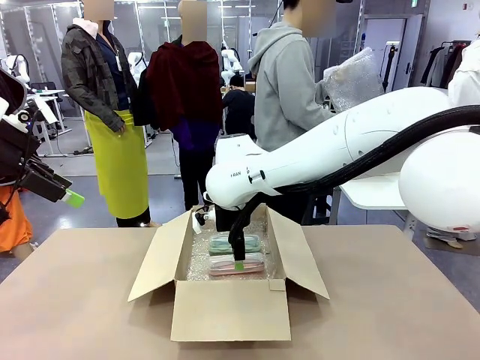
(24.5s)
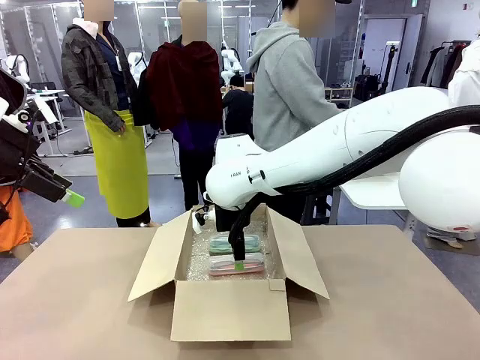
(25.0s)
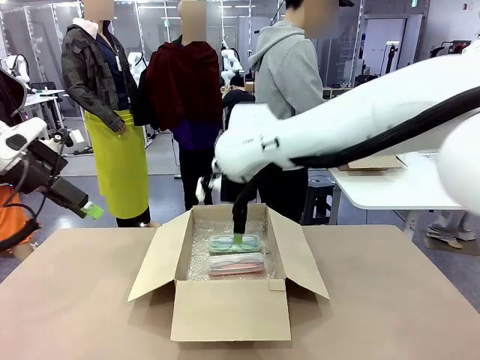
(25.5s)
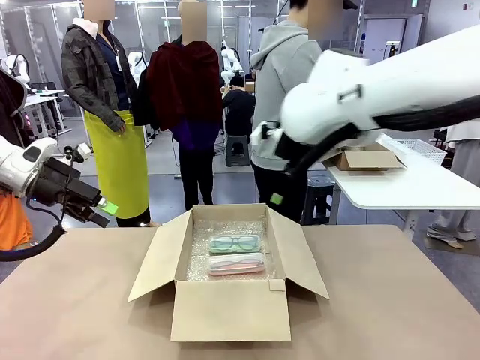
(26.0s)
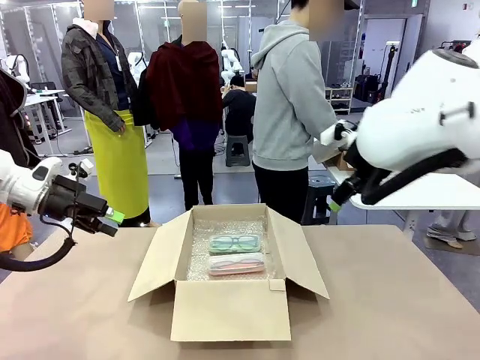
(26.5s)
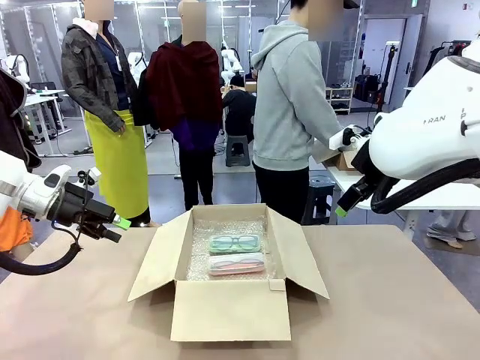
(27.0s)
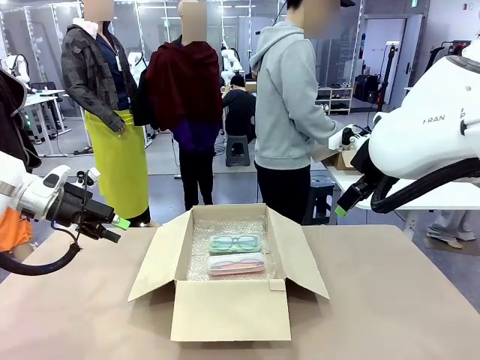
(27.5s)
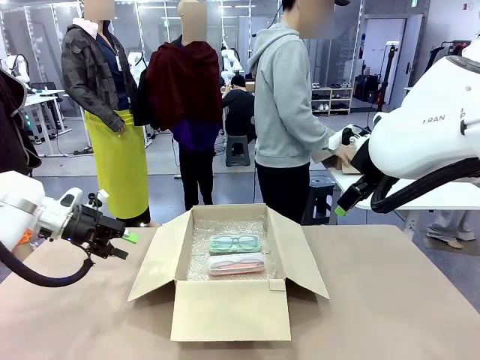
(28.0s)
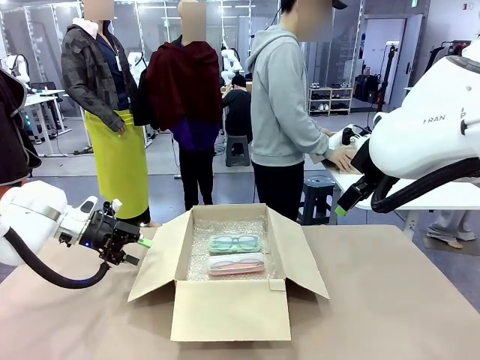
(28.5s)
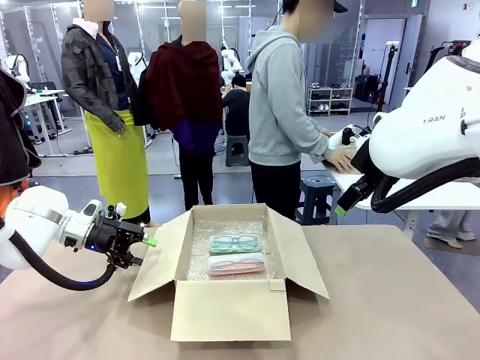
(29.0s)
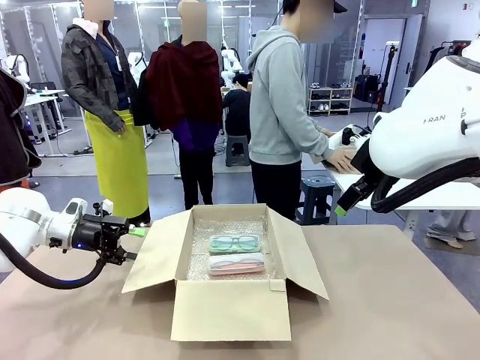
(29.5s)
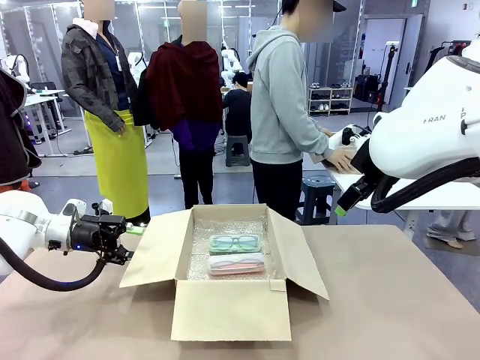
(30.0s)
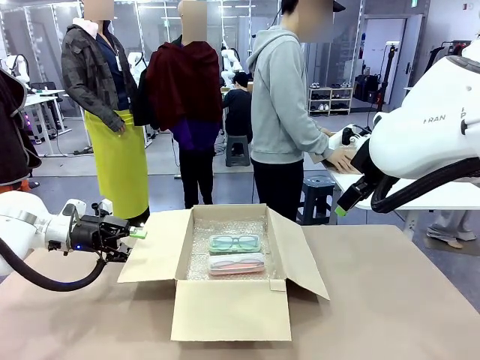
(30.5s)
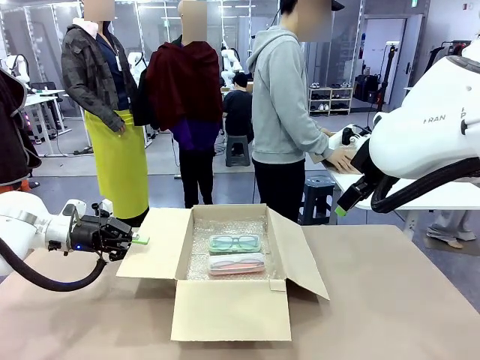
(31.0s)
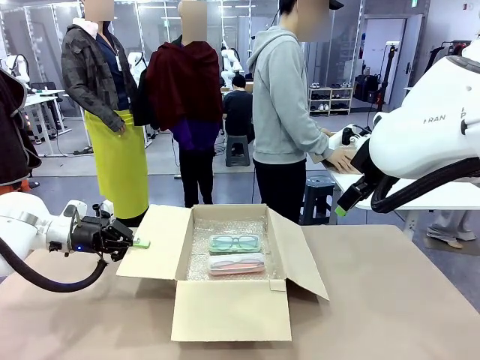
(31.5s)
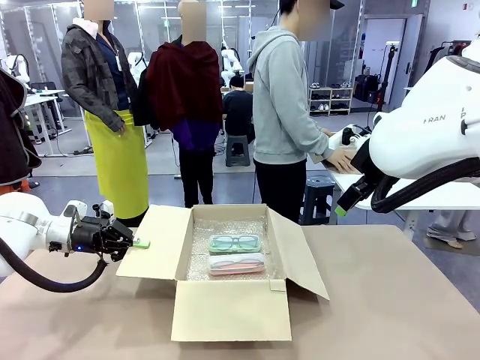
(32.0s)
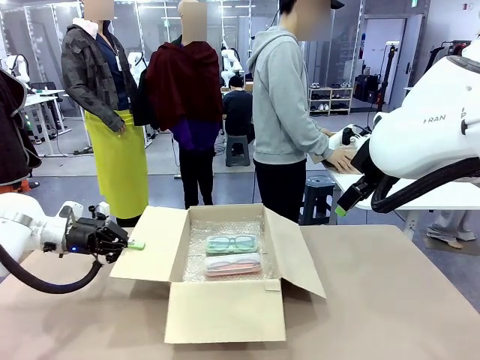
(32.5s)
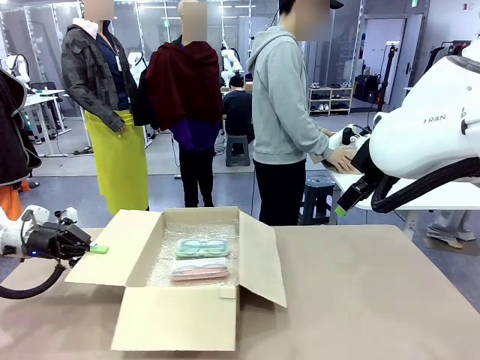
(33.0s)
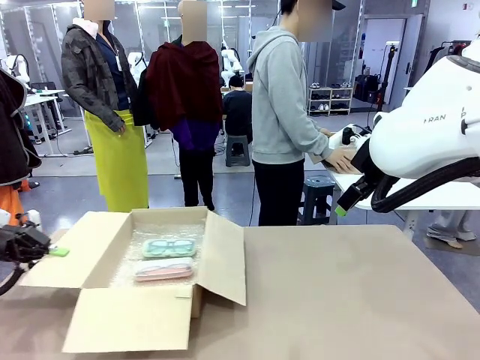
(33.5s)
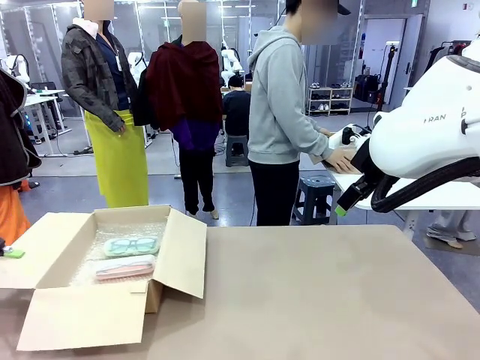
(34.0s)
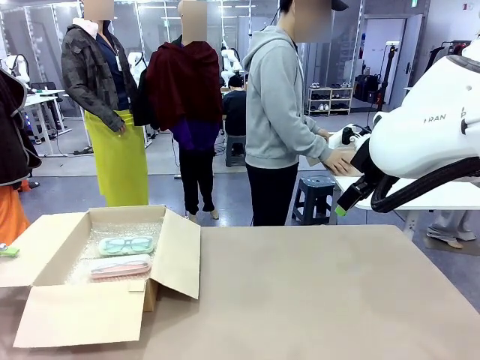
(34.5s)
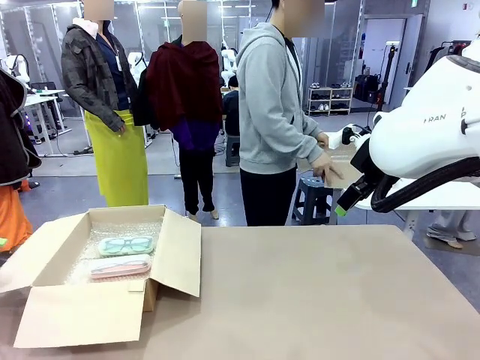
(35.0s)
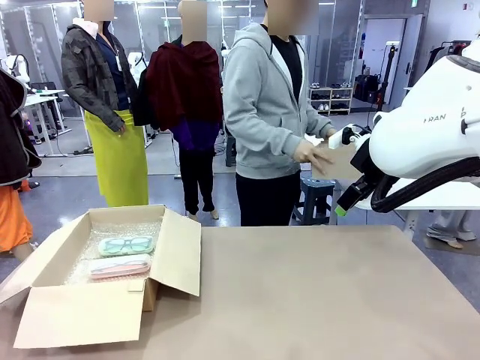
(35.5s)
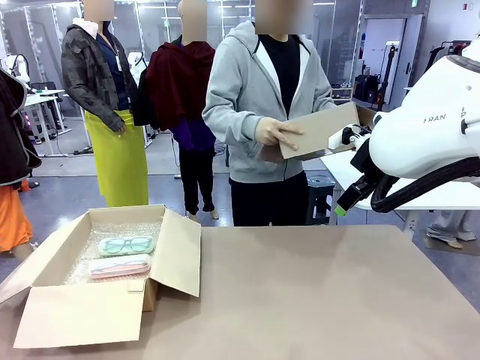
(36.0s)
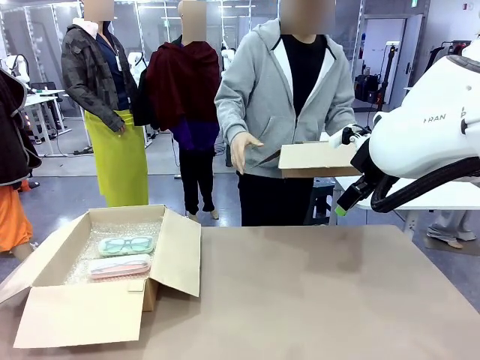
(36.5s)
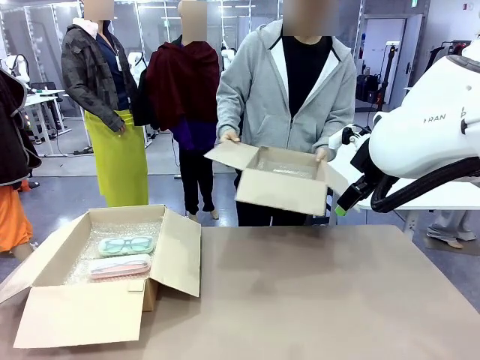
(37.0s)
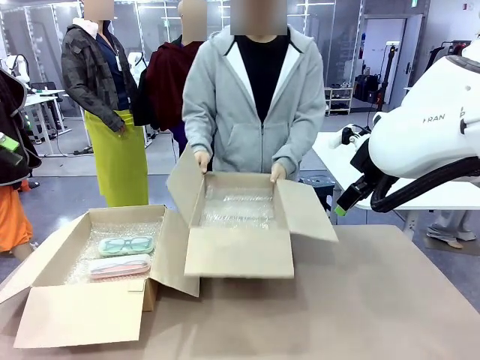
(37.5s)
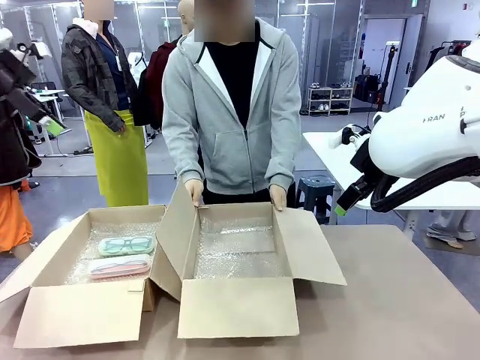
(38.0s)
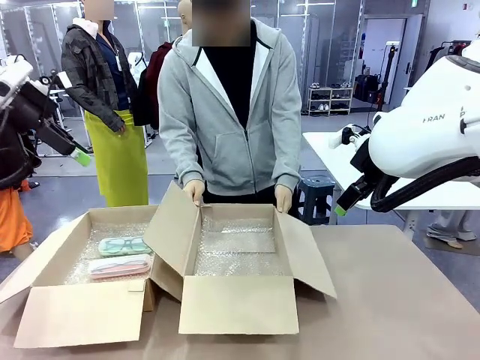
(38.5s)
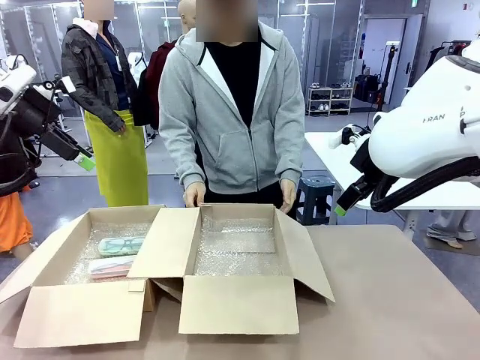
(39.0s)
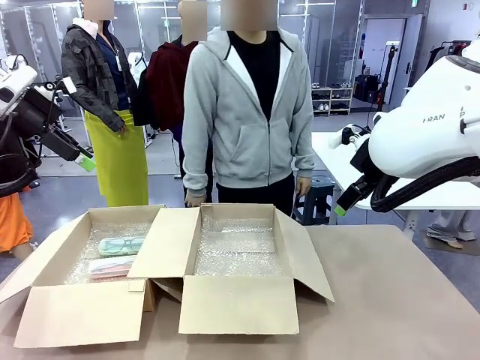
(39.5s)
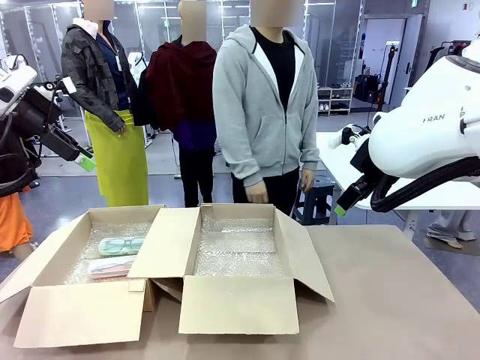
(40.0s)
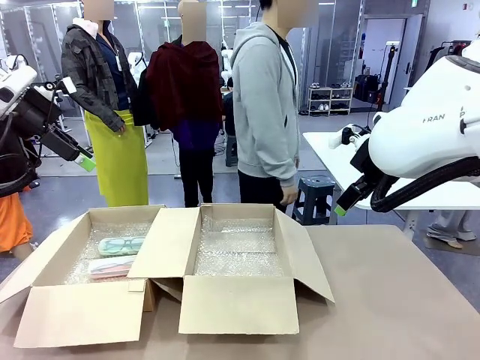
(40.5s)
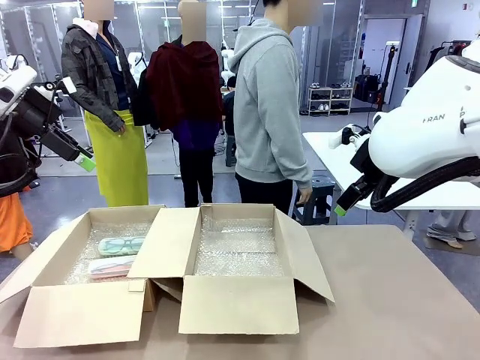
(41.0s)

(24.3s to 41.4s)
Task: Pack the glasses set securely to prepare it for shipping.
Robot: Position the Package Box on the left side of the table.
Person: Position the empty Package Box in the middle of the robot's table.
